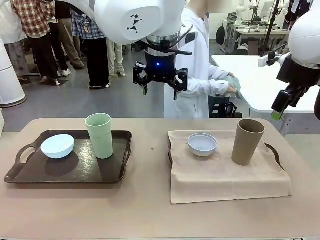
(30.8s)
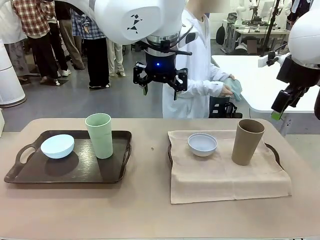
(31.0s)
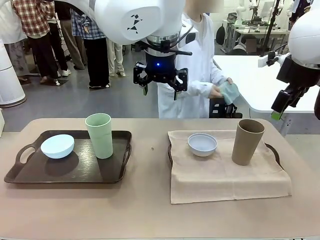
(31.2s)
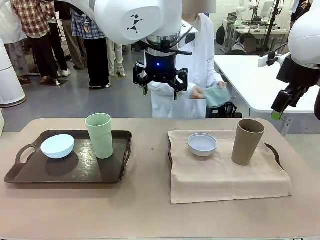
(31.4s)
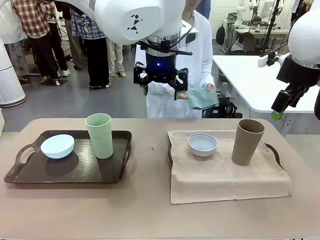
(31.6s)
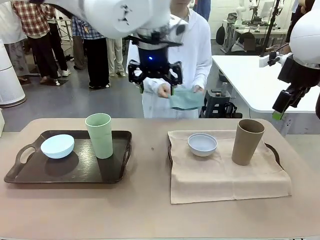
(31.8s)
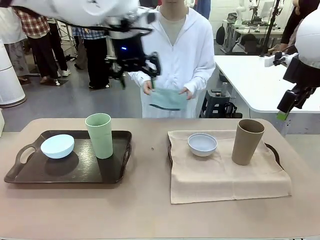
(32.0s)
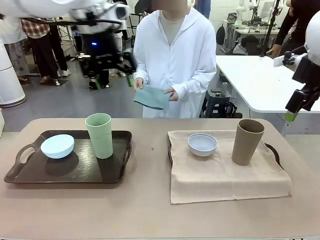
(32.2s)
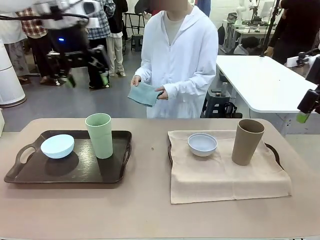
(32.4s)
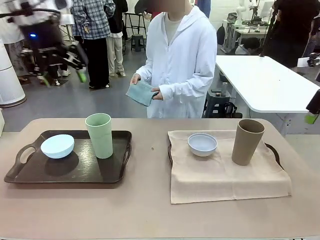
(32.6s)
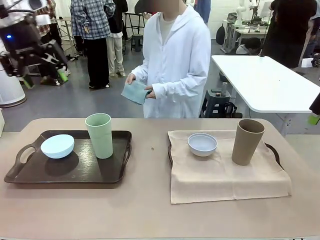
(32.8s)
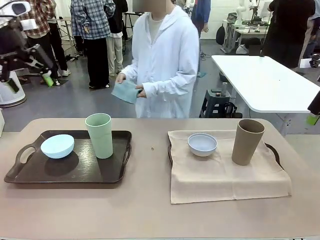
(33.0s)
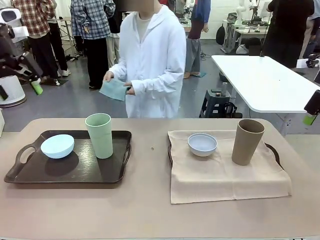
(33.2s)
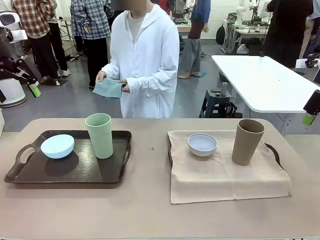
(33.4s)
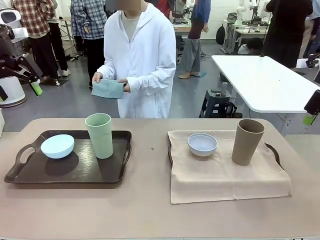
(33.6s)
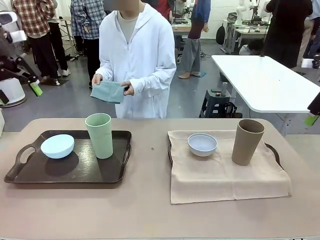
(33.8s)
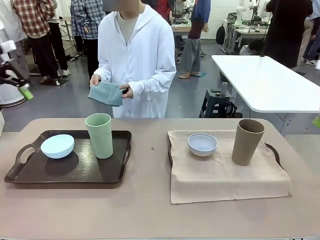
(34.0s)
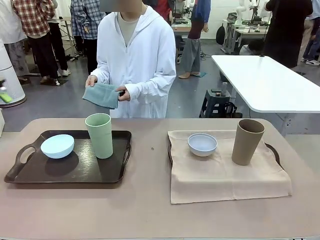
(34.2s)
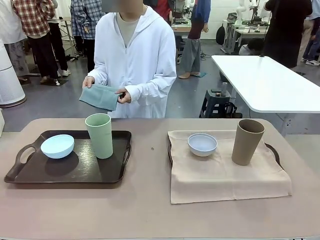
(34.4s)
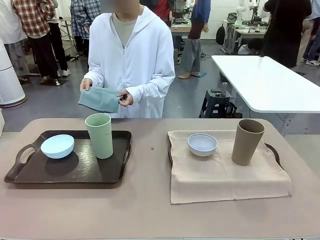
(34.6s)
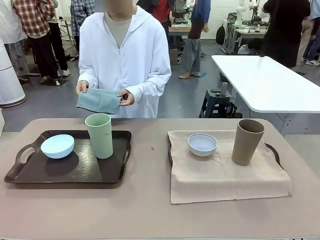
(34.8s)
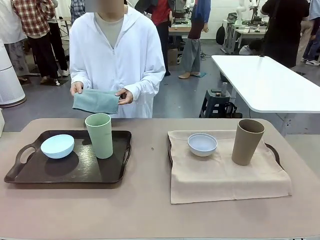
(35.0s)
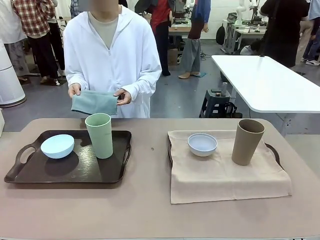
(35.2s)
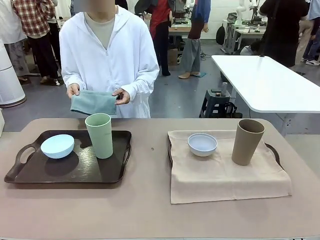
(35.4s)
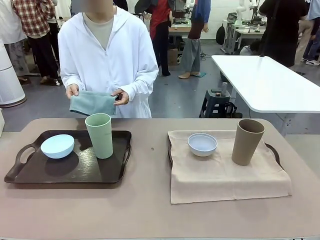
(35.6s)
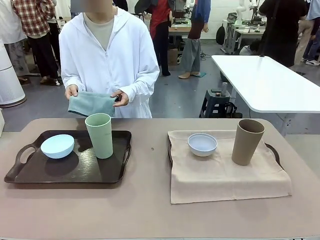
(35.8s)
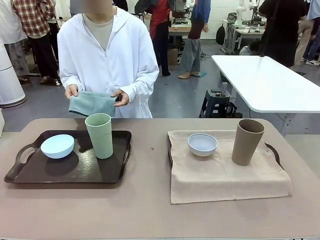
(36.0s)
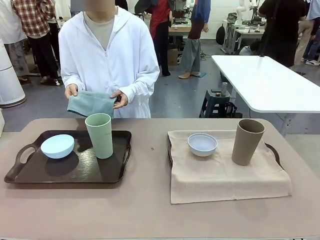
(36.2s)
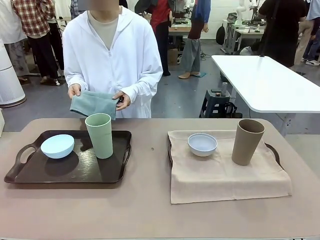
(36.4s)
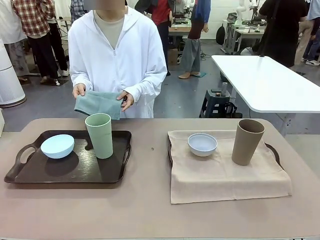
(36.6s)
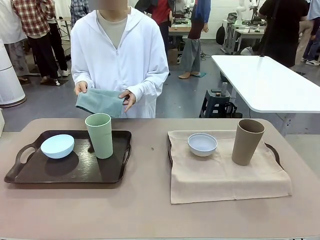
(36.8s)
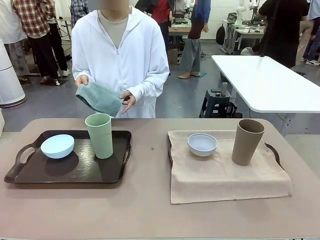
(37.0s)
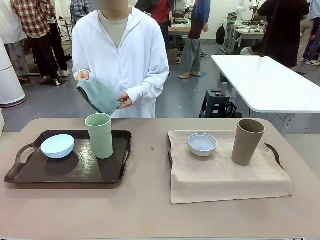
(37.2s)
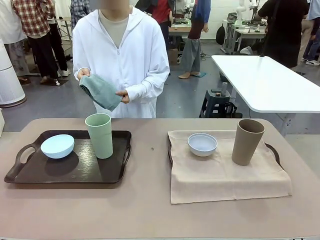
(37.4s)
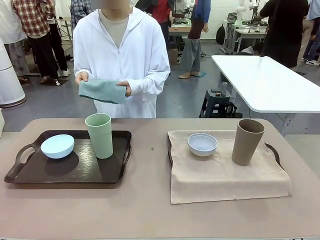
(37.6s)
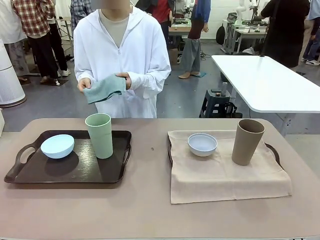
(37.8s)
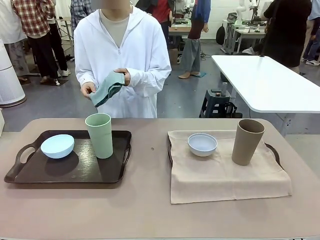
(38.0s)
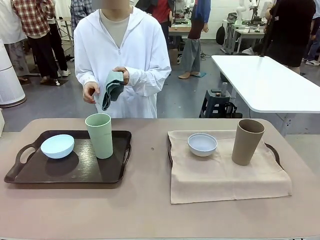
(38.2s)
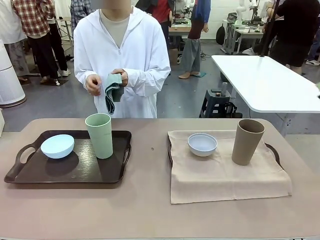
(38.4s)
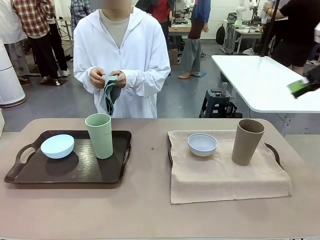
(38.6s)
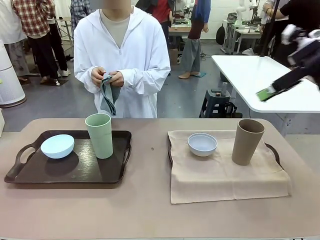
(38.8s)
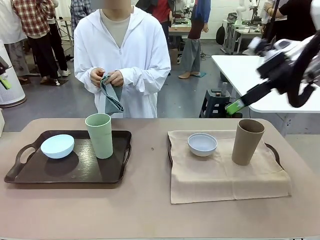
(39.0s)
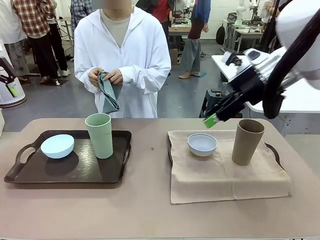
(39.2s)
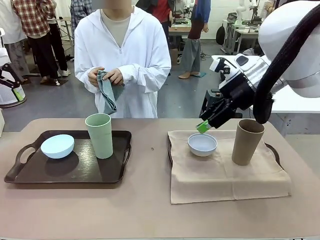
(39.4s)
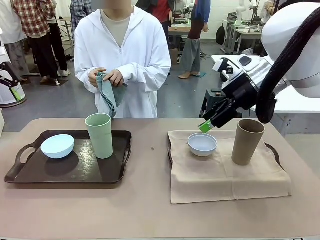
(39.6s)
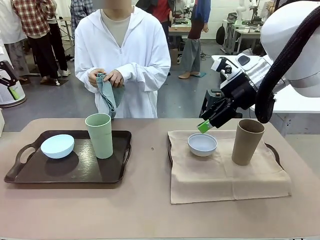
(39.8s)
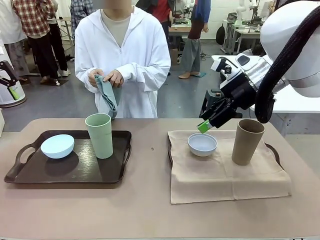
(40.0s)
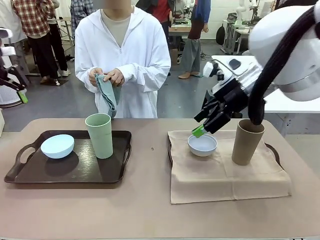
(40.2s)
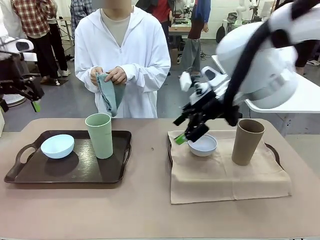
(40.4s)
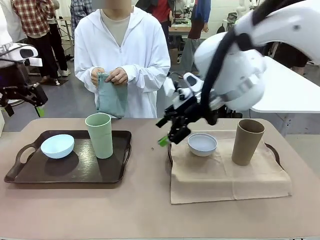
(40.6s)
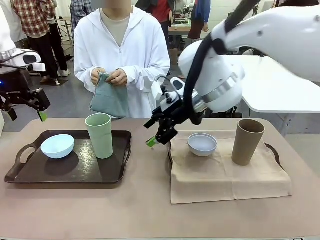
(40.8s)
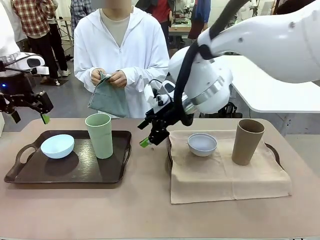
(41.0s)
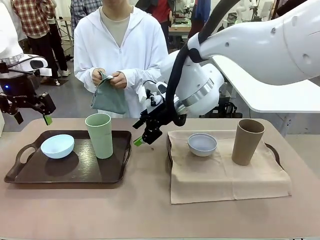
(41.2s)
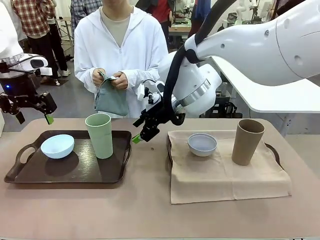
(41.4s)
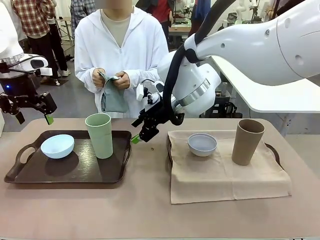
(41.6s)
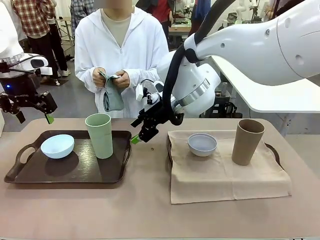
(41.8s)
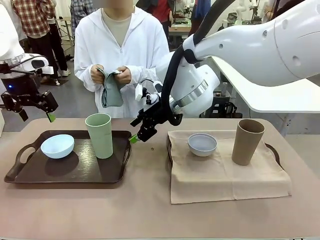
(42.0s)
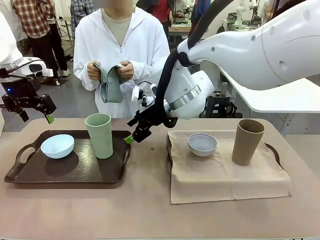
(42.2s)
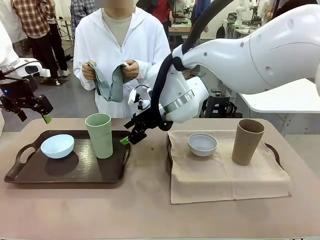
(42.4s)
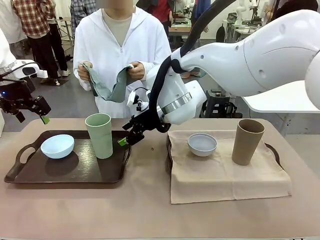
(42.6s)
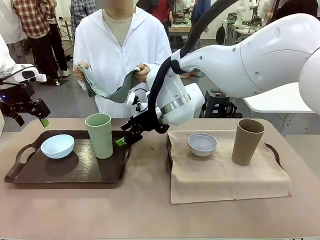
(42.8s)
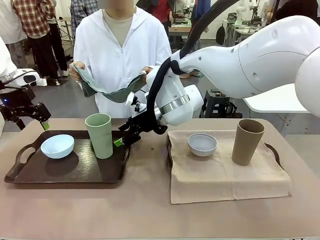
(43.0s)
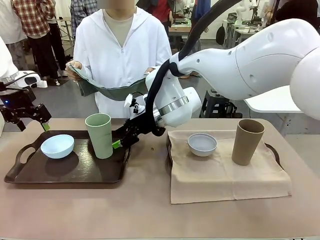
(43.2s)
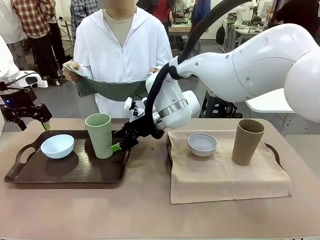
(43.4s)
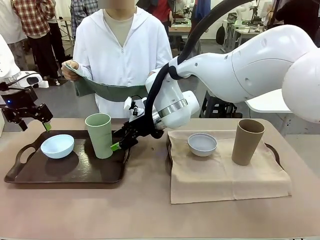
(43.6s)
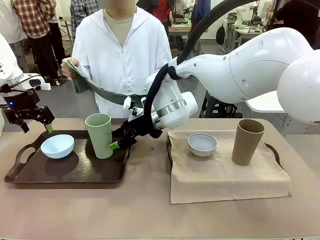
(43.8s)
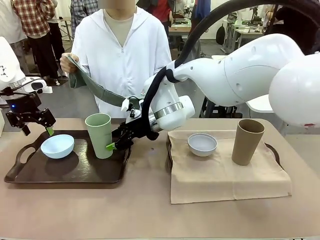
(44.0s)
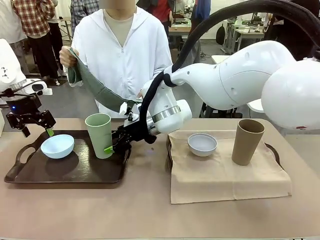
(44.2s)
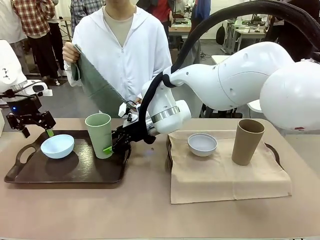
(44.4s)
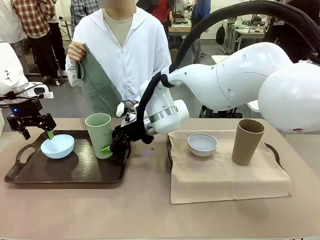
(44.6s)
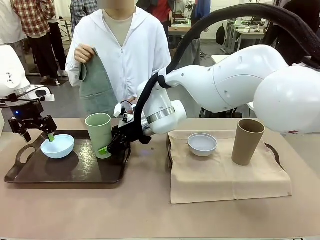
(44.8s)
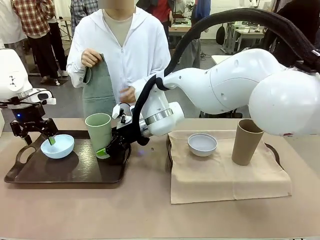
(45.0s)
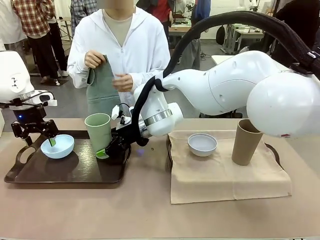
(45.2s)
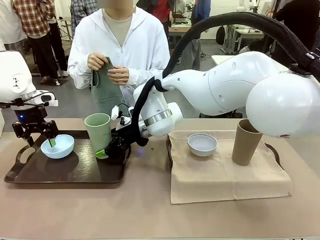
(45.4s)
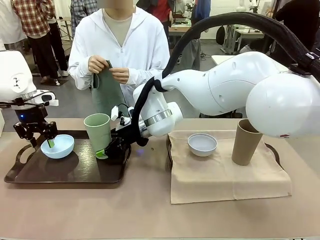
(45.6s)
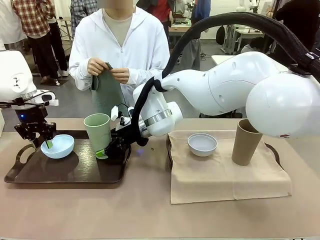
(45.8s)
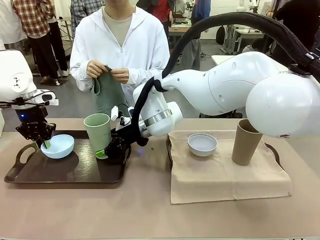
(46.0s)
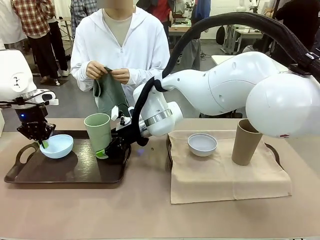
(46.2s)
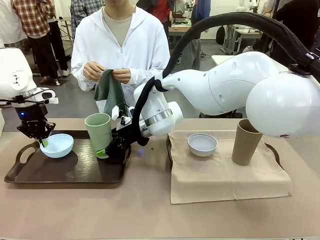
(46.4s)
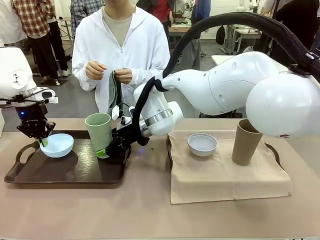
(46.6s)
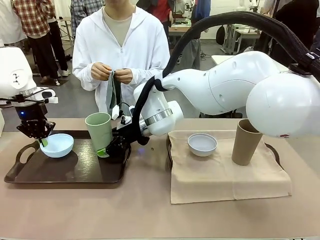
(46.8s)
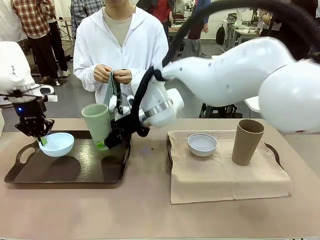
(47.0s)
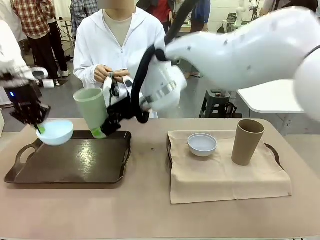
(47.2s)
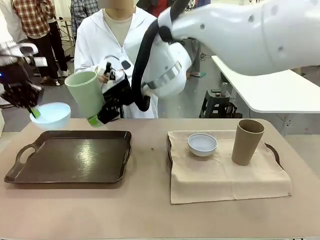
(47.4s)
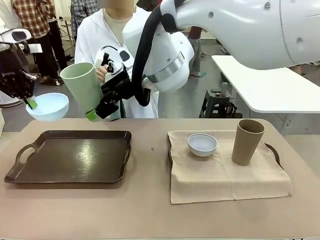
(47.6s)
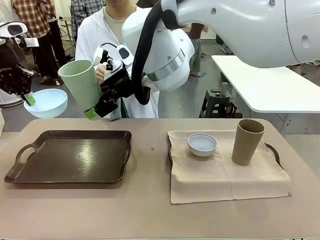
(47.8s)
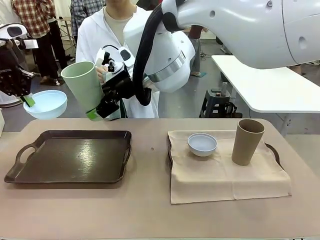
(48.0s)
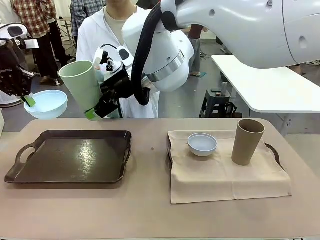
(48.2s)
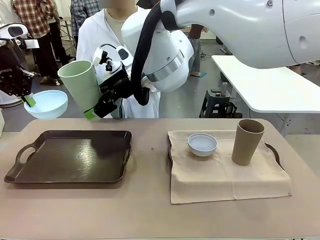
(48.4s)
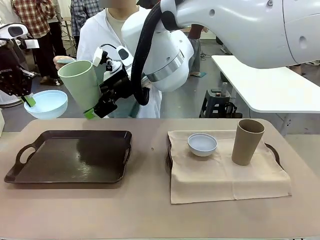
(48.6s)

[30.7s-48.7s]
Robot: Pick up the Picnic Bowl and Reusable plastic cup from the Handle tray in front of the human's position and hold them in the air.
